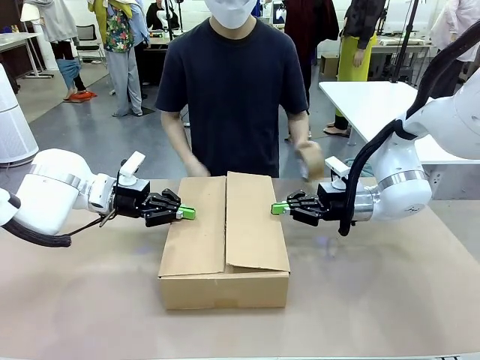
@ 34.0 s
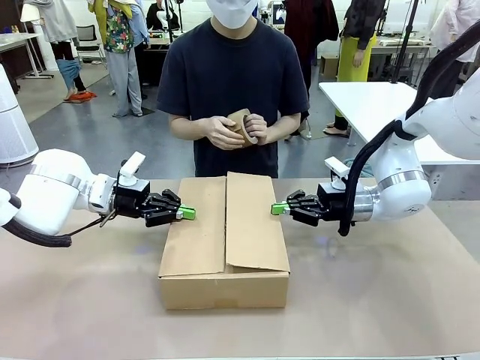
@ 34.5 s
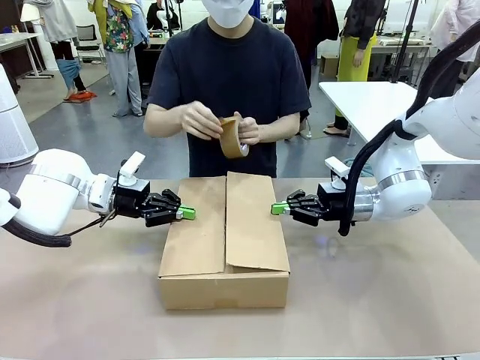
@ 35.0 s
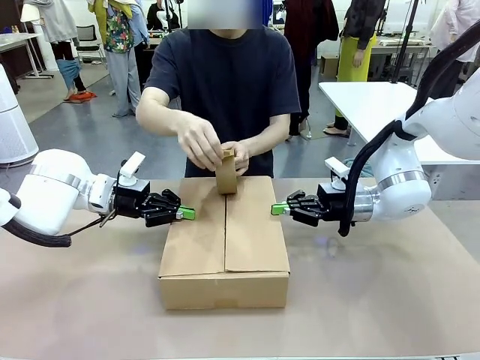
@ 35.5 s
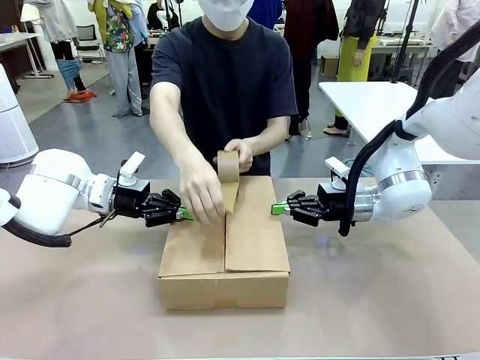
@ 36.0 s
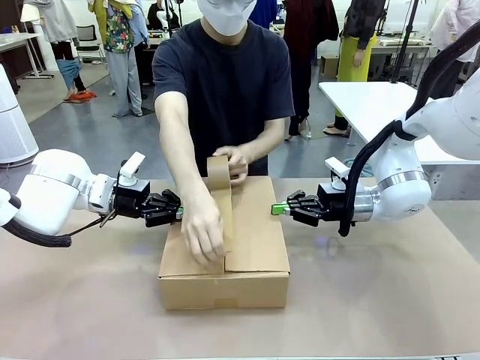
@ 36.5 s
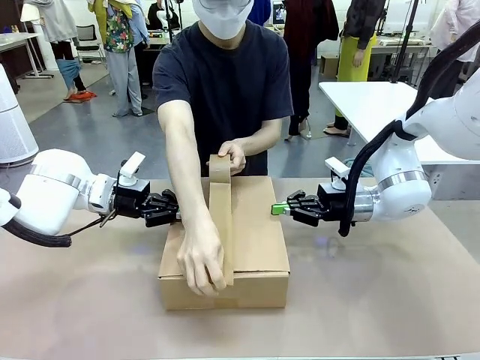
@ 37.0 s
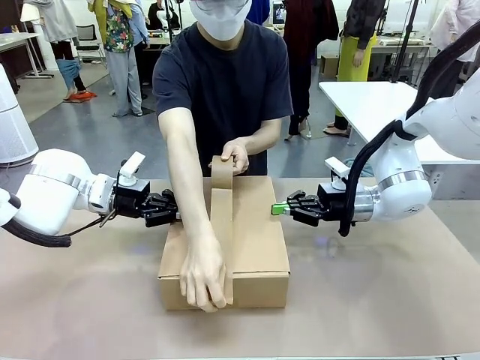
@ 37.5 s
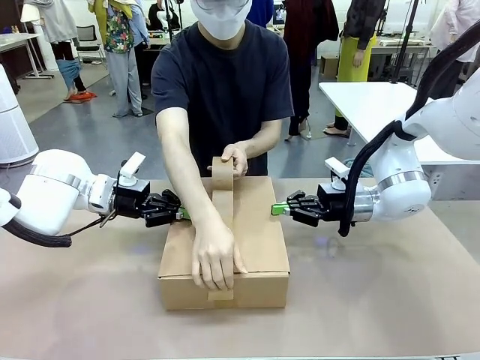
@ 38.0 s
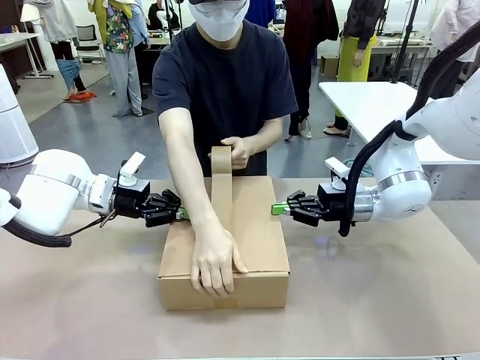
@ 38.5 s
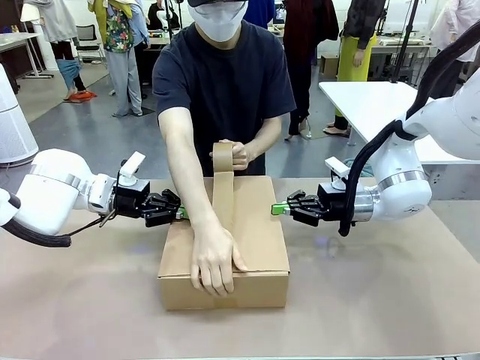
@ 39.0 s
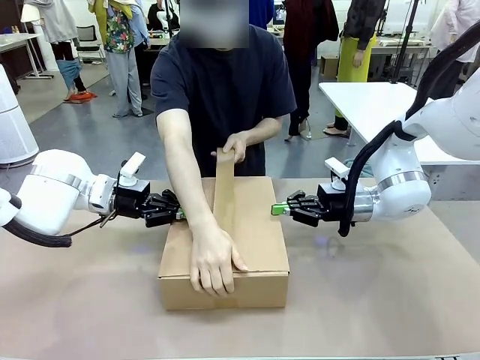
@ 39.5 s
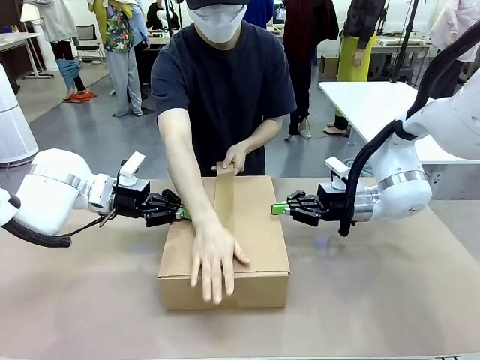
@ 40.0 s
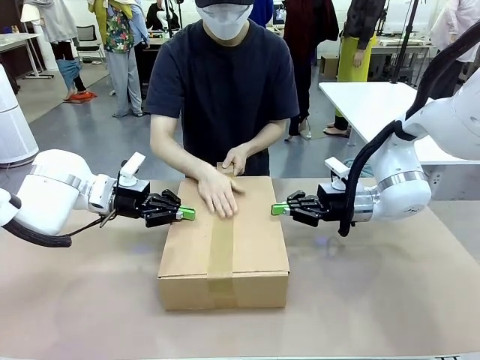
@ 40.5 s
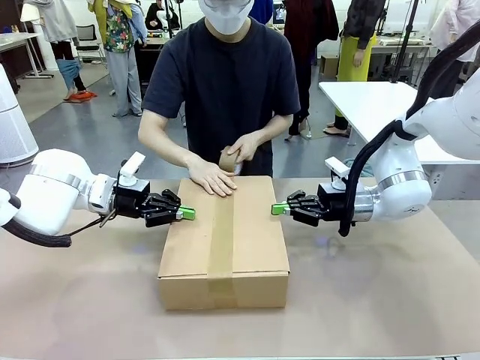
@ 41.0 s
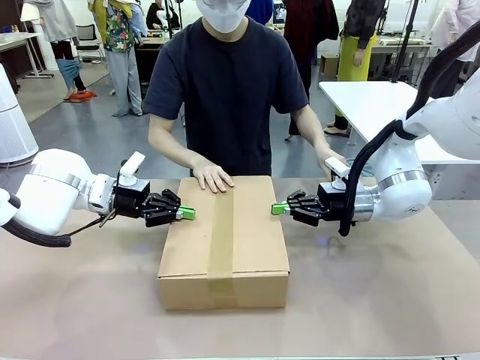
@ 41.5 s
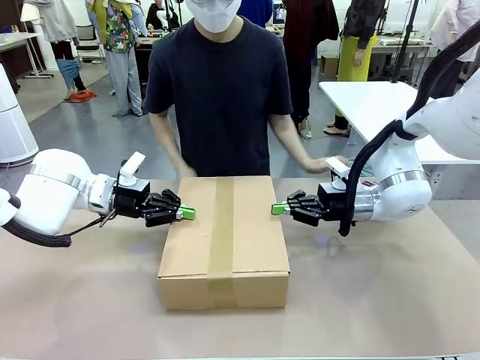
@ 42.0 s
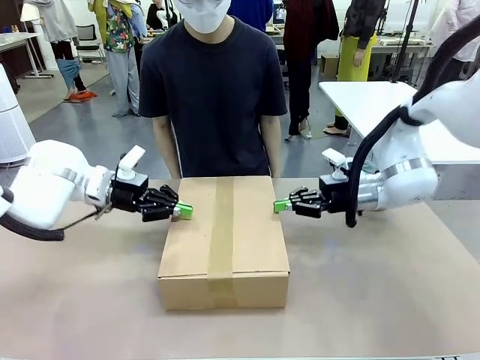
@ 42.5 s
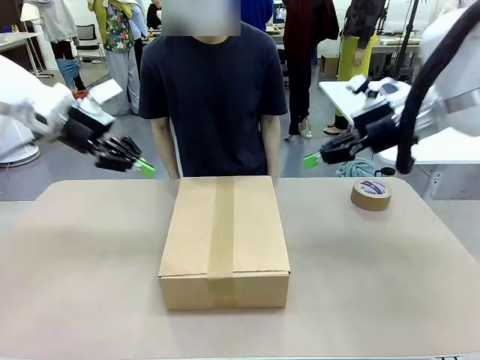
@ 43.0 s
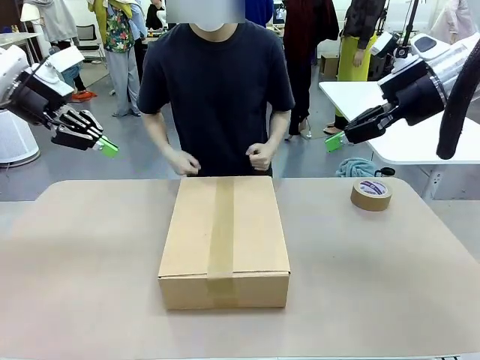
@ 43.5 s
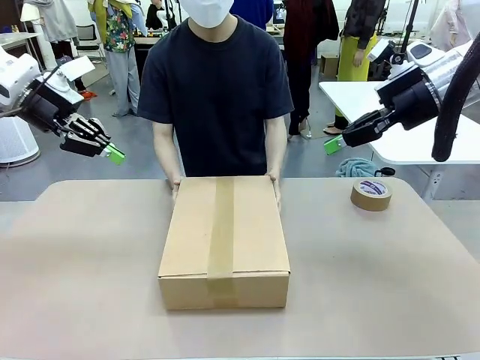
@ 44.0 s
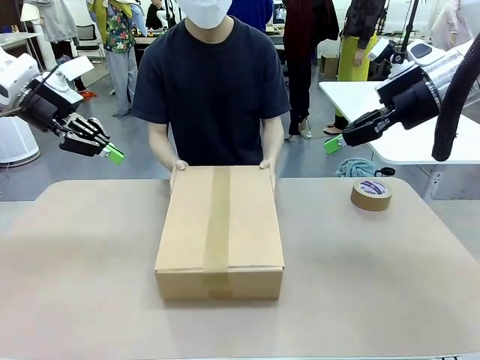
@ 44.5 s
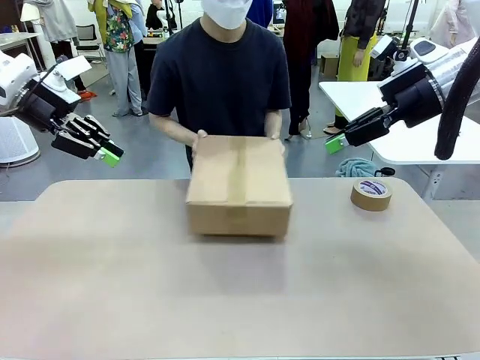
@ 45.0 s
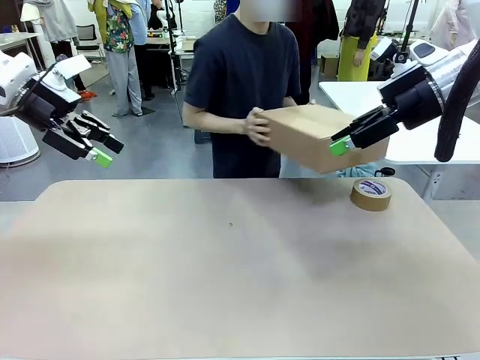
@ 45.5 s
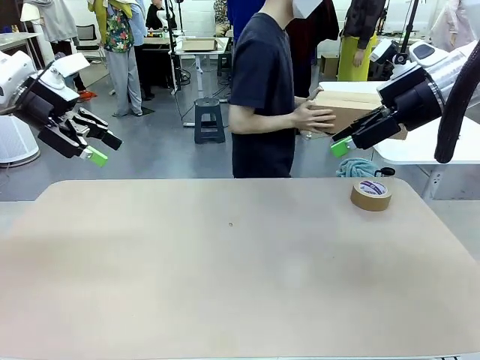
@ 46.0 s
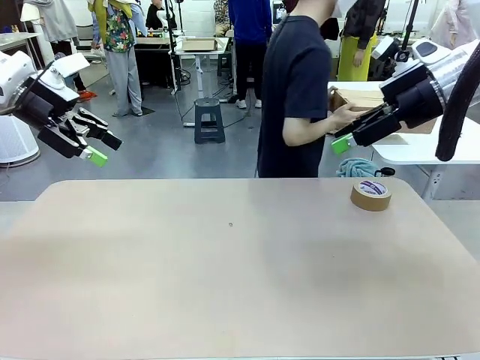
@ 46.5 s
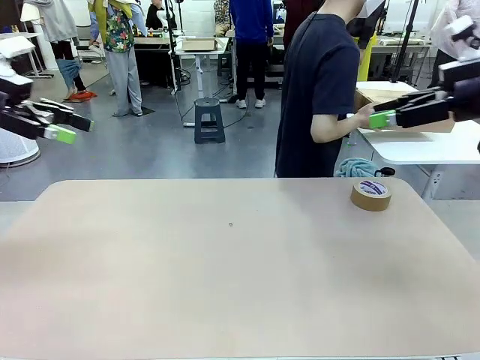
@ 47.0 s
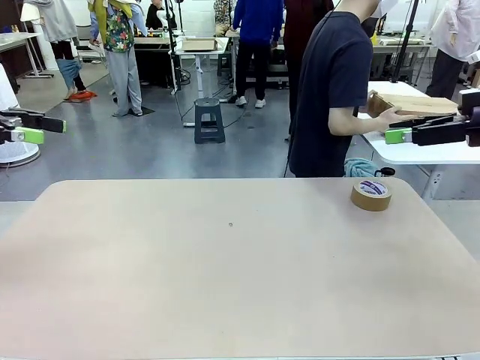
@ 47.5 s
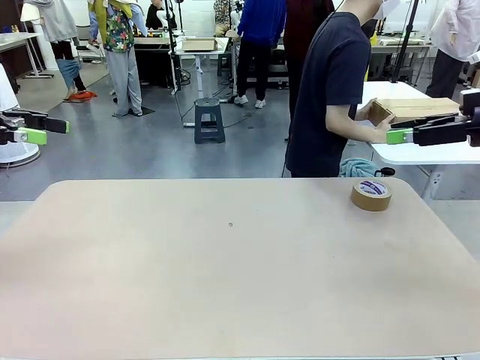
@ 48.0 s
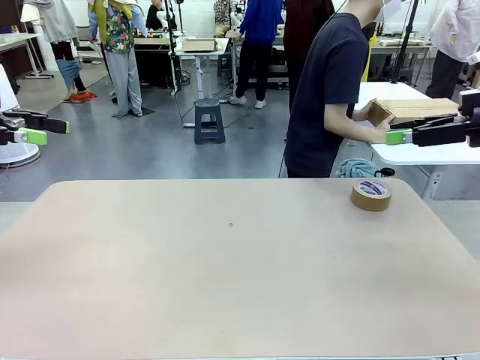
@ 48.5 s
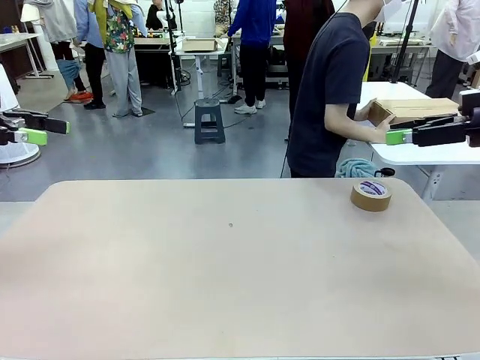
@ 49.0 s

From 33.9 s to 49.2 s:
Task: Wrap the clocks to prevent damage.
Robot: After the human seals the box with tape, release both hands from the side flaps of the Package Box.
Person: Once the robot closes the left flap of the Package Box , seal the box with Paper Tape. Place sealed Package Box in the middle of the human's table.

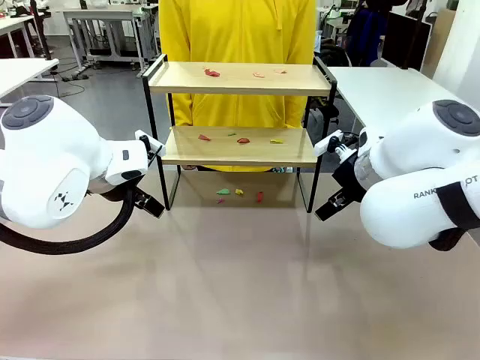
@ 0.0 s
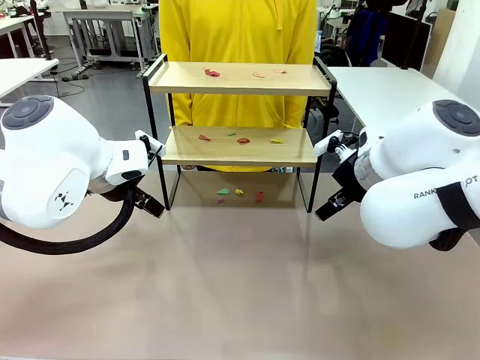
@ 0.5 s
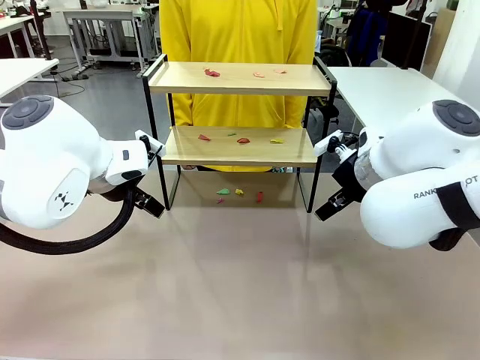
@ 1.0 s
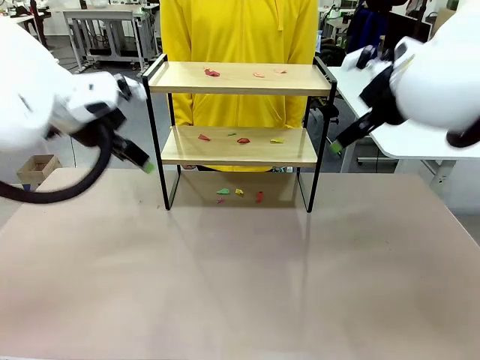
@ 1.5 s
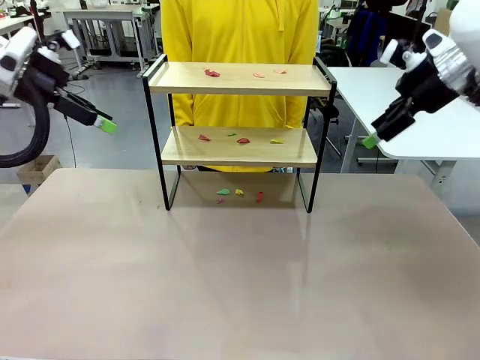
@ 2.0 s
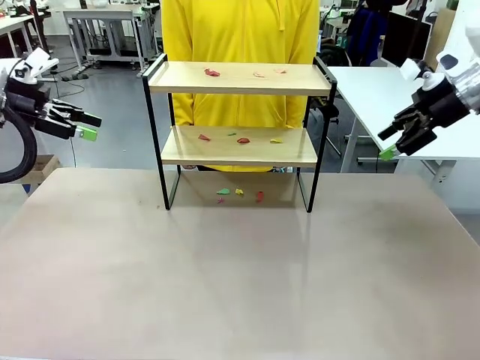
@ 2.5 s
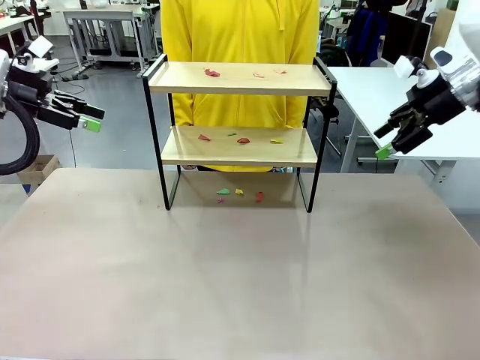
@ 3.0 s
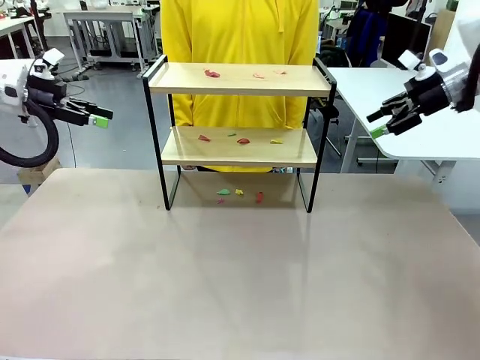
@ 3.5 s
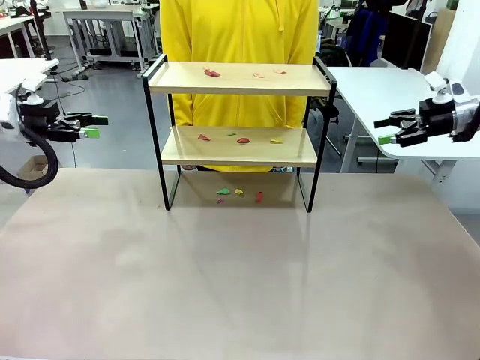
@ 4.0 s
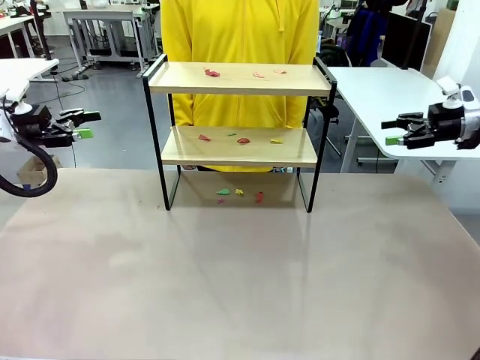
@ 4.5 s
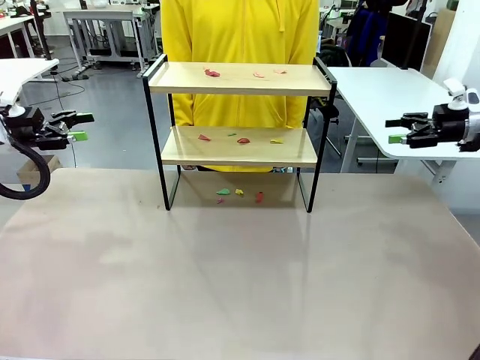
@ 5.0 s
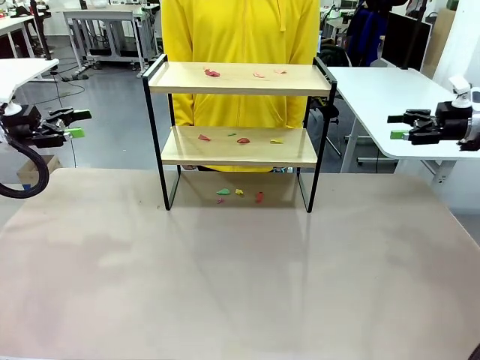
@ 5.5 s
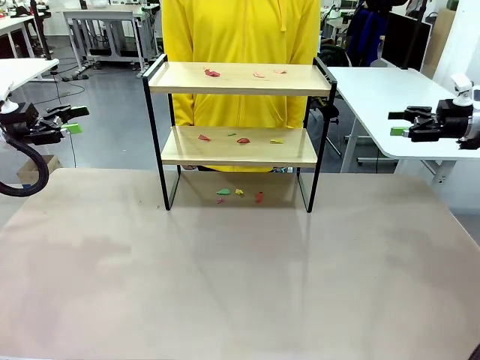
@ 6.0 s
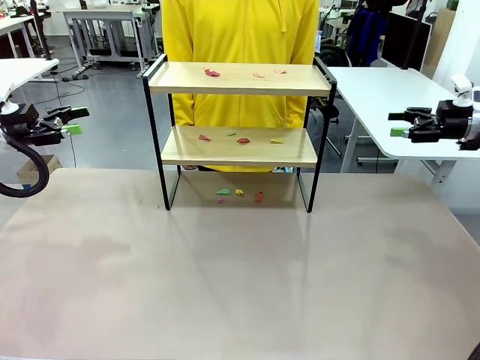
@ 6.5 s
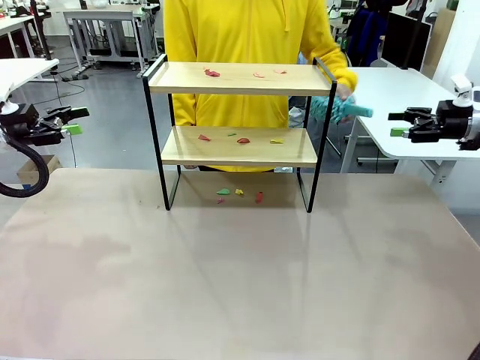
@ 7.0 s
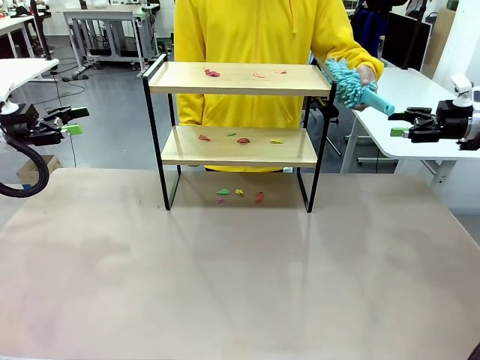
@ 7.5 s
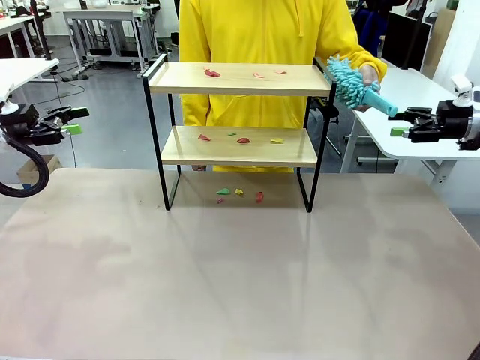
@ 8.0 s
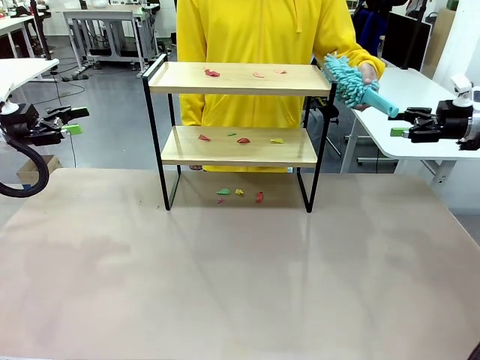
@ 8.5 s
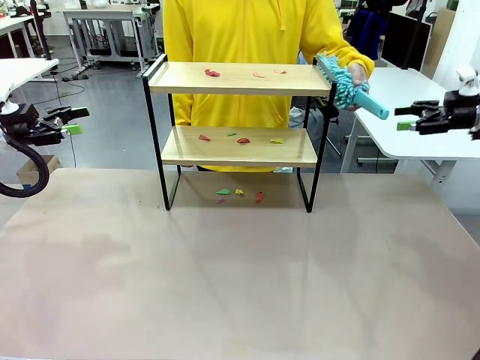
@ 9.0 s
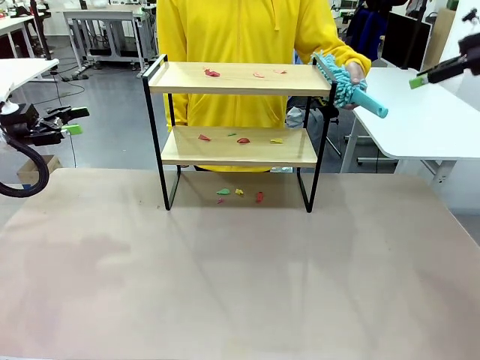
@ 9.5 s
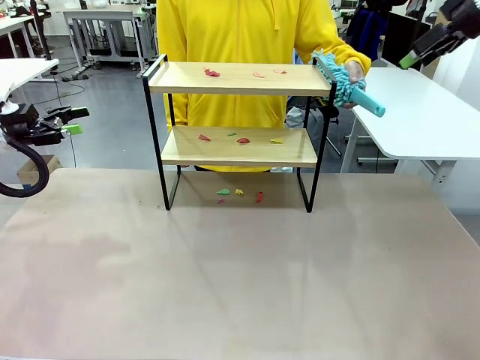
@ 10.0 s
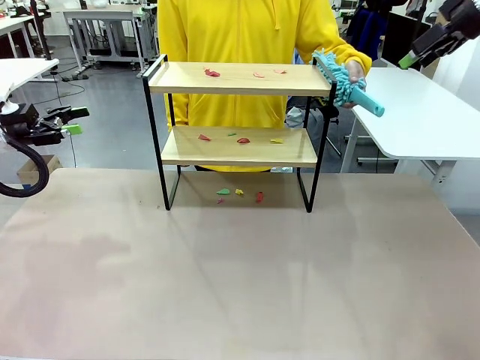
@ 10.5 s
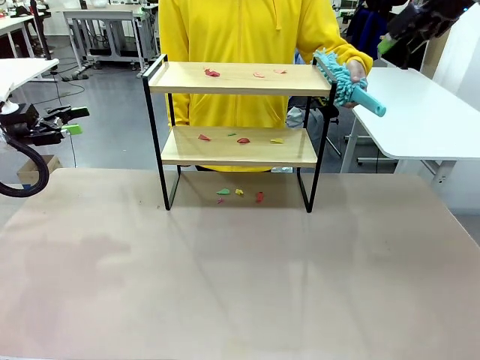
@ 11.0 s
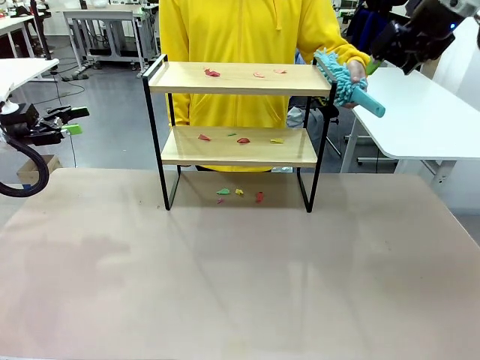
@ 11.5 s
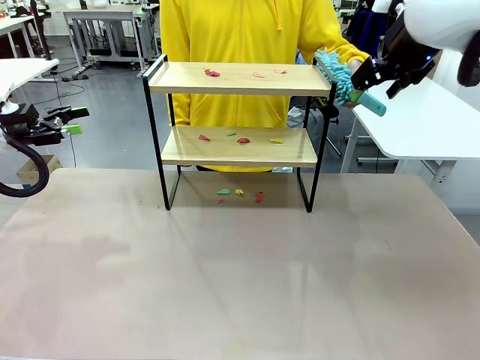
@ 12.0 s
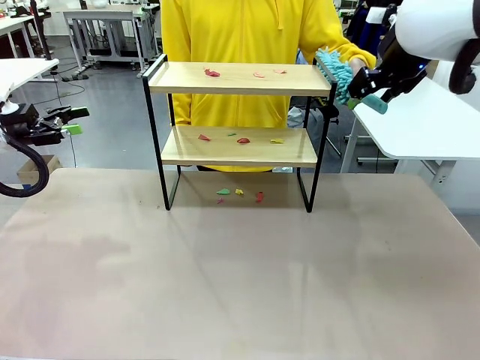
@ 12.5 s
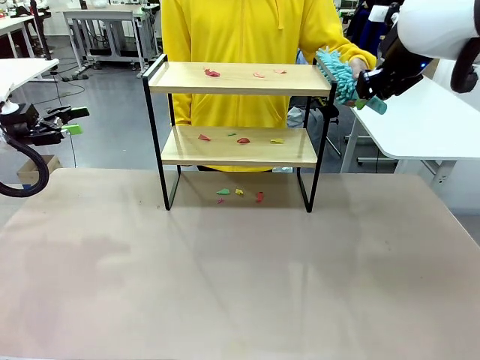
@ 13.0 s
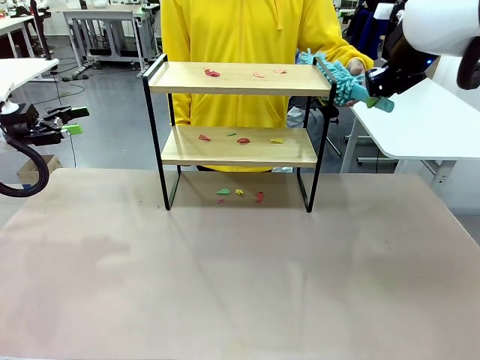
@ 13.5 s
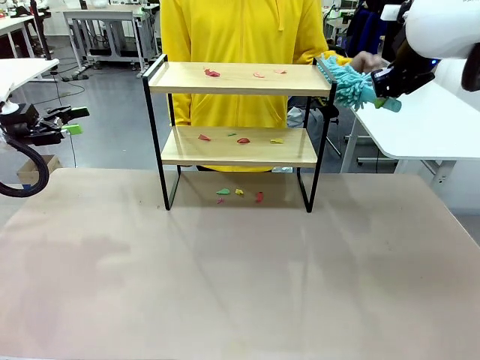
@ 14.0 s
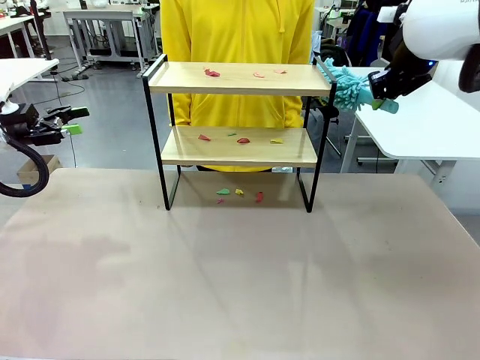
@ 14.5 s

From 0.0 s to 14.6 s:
Task: Clean the shelf.
Robot: Pick up the Duster handed by the human.
Person: Hand the Duster to the robot.
